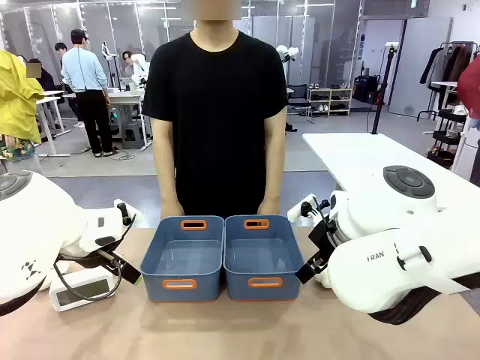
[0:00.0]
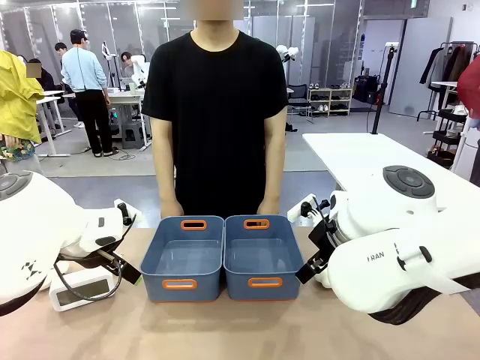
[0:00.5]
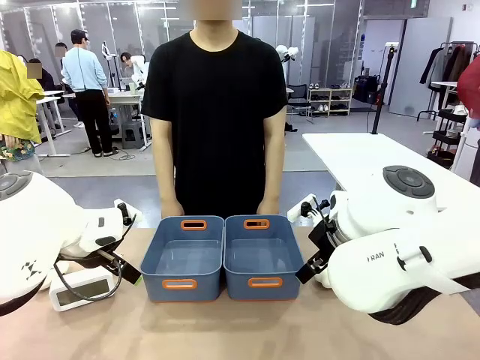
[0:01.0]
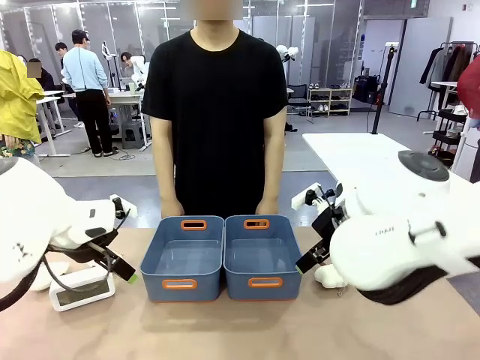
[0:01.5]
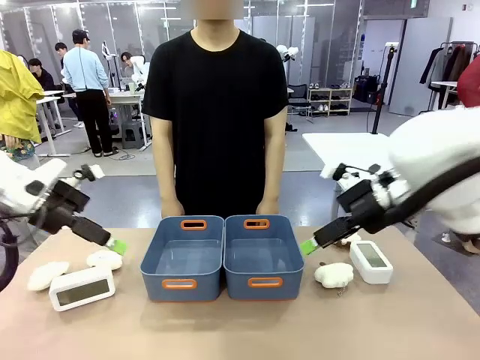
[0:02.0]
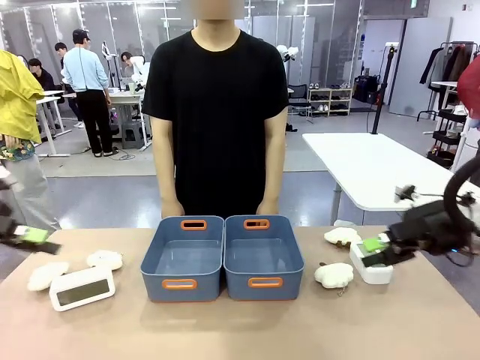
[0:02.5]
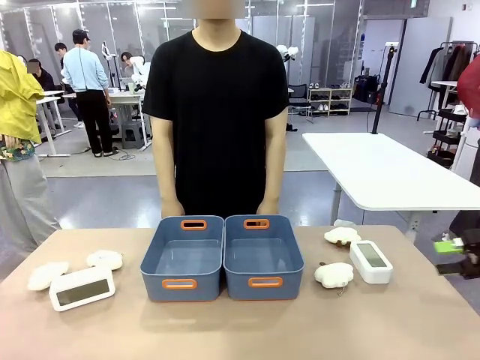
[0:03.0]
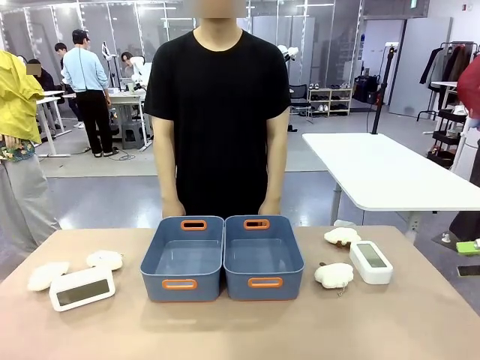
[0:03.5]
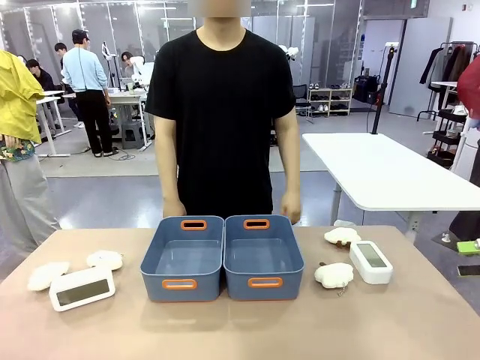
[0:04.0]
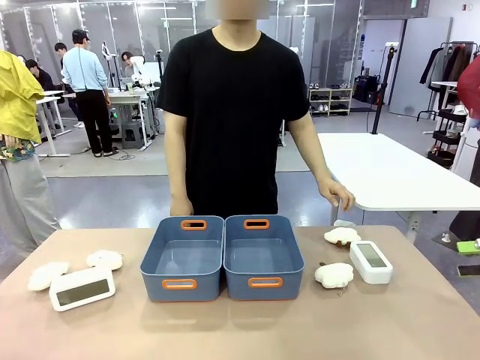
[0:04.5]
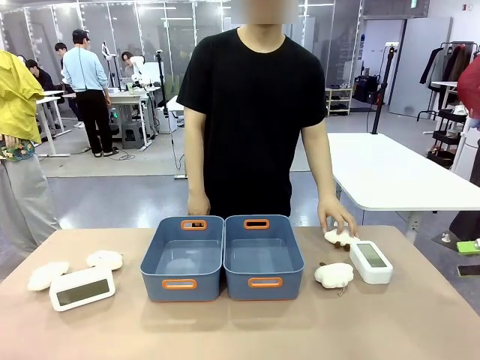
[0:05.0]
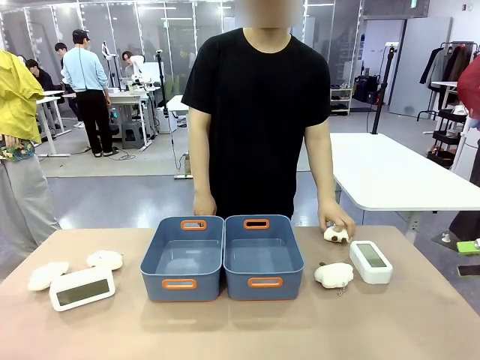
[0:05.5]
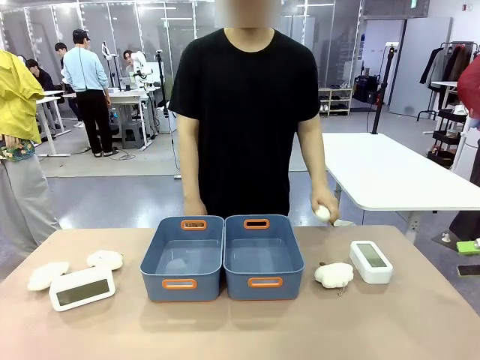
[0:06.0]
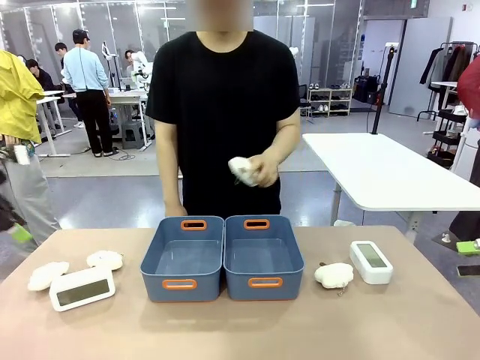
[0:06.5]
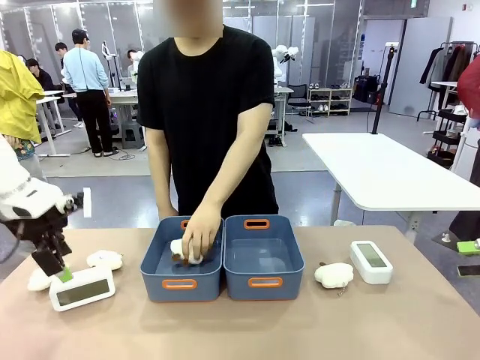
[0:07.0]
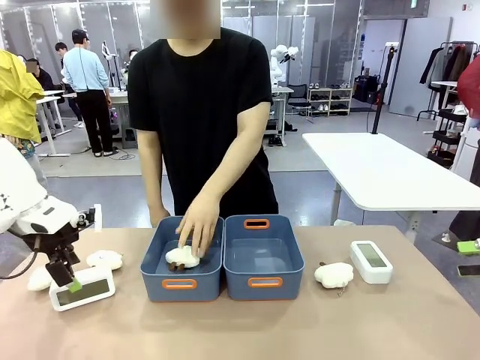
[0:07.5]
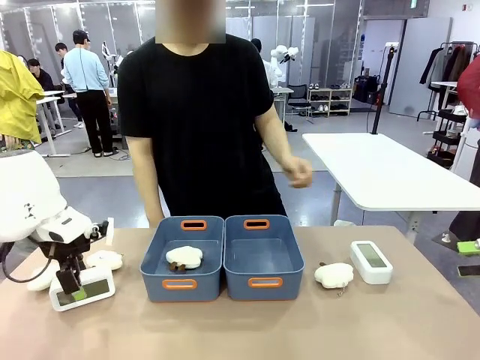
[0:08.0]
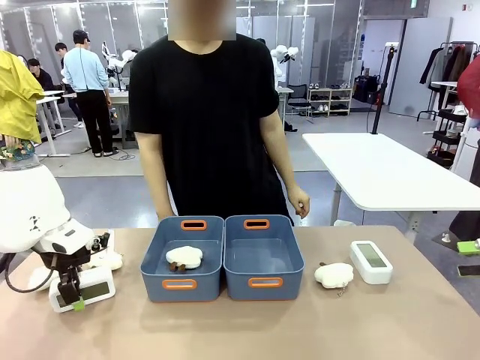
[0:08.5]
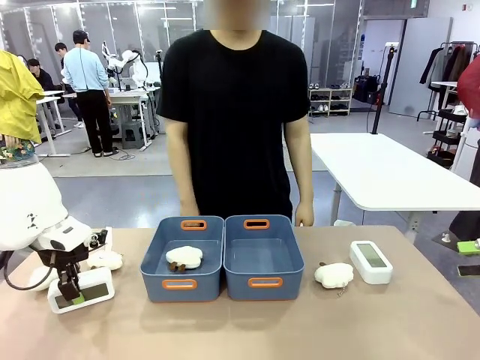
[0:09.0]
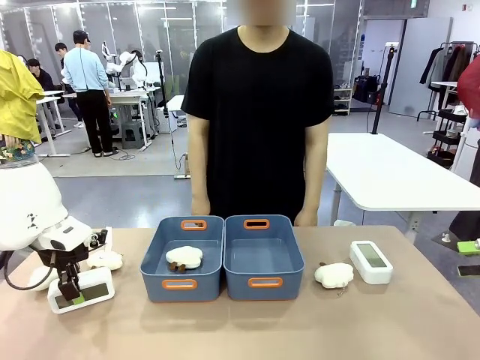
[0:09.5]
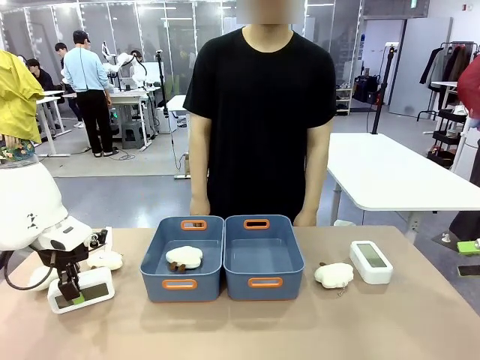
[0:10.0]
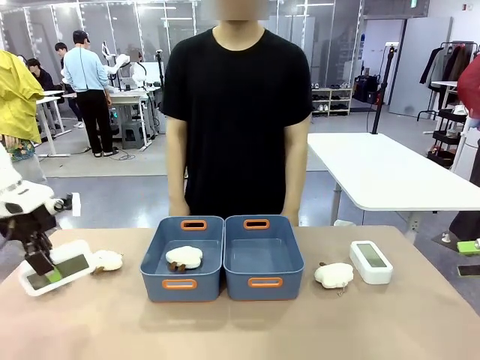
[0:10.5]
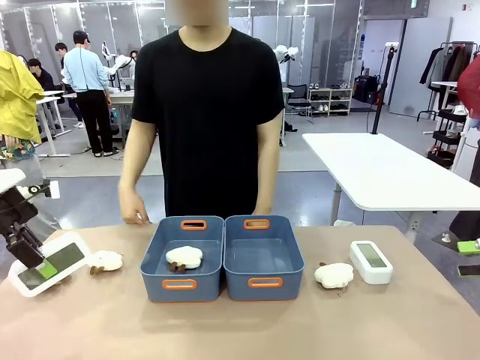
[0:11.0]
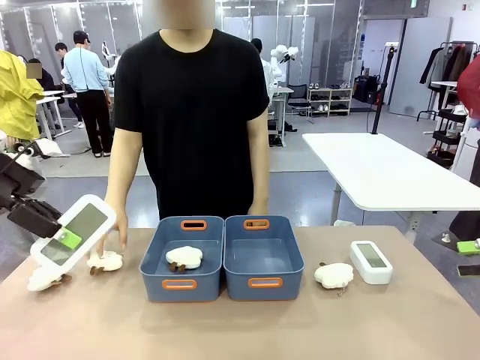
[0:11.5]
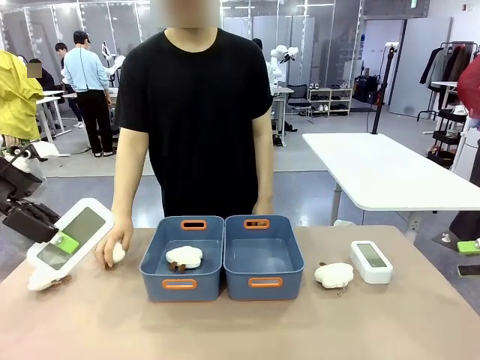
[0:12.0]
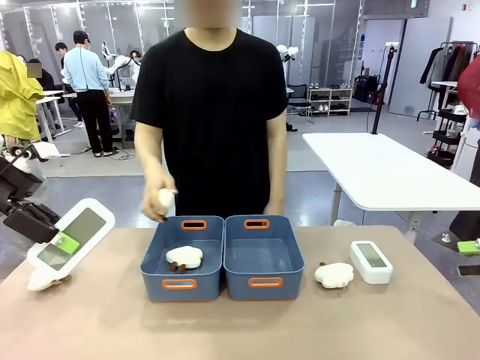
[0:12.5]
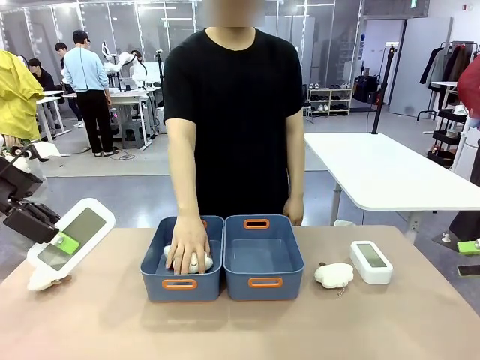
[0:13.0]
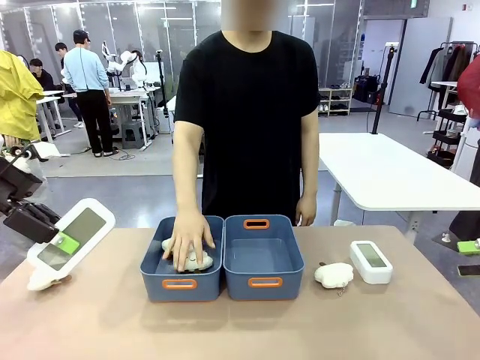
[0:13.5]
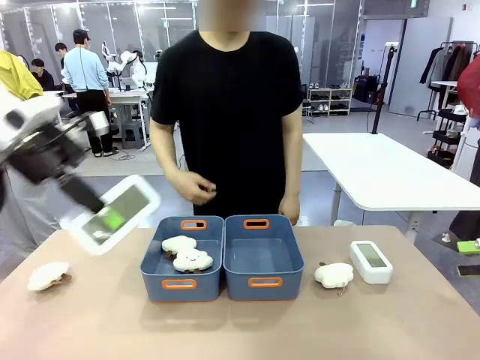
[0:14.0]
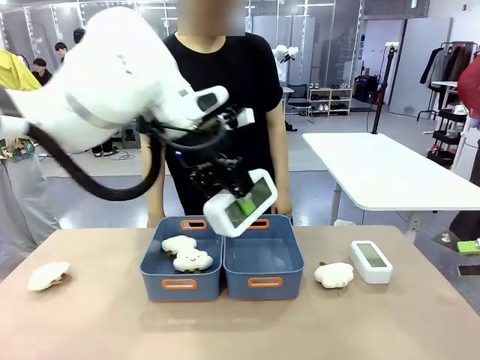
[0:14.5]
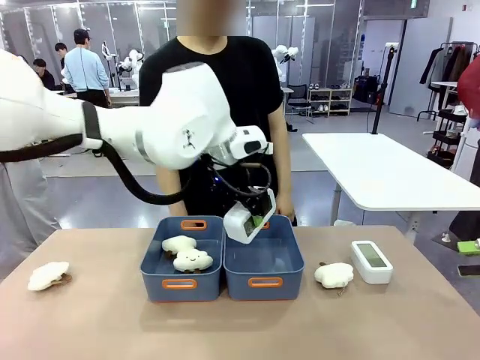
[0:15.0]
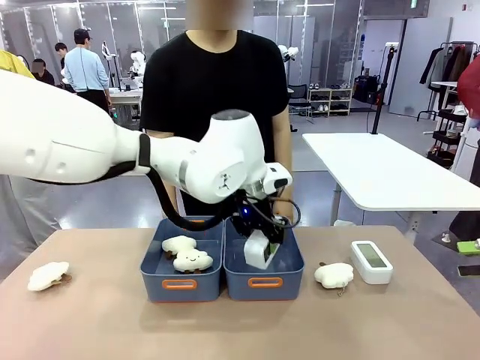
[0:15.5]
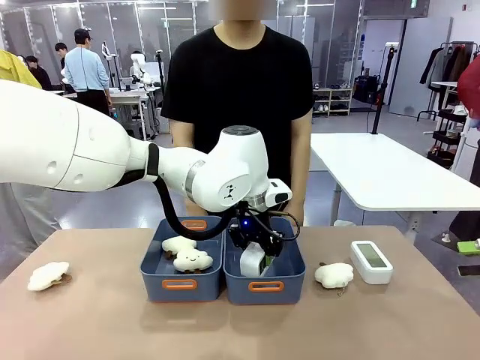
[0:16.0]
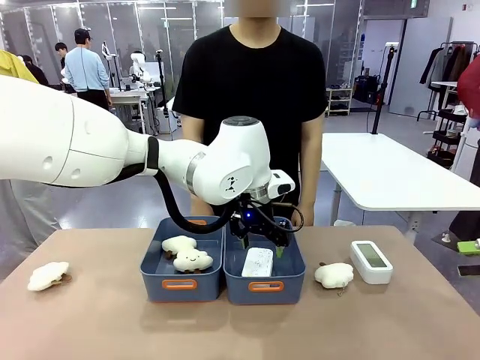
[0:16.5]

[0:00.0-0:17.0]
Task: Sort the digital clocks into the basket.
Robot: Pick up the Digital clock from the table and place it into the empty Plastic storage basket.
Person: Pick up a plush toy from the table and place it in a plastic storage basket.

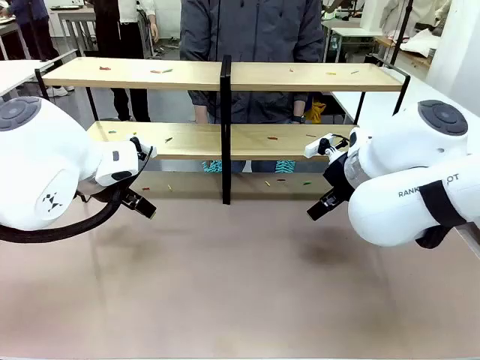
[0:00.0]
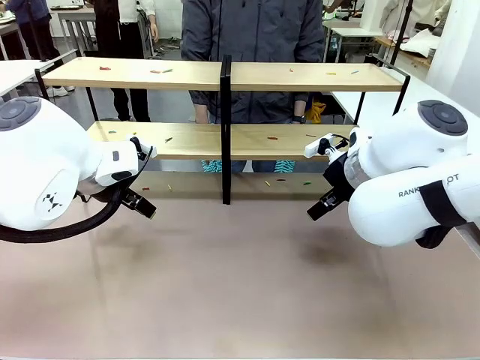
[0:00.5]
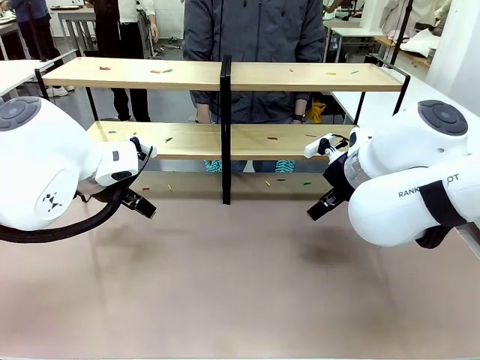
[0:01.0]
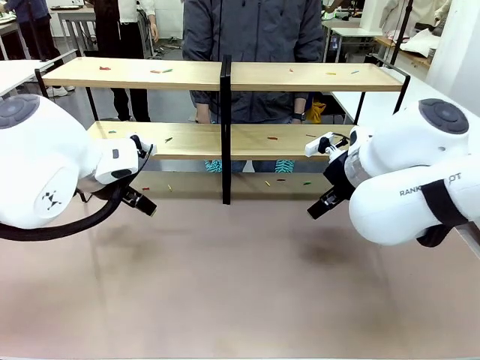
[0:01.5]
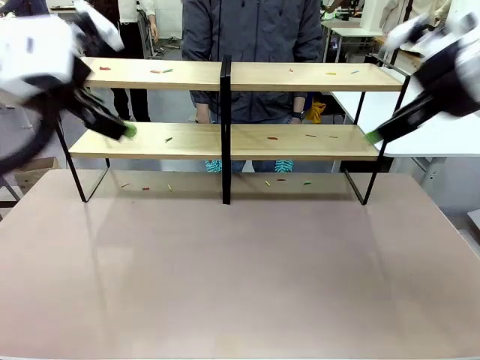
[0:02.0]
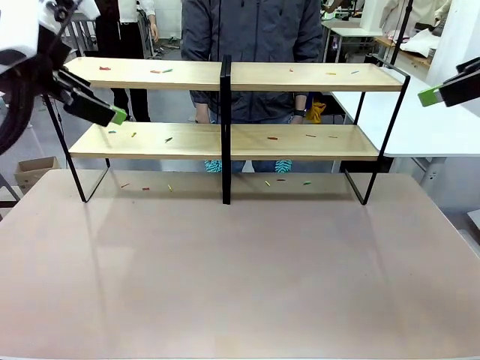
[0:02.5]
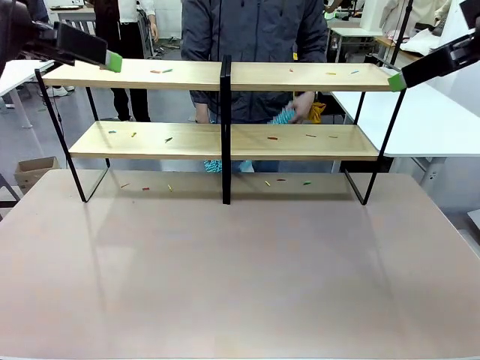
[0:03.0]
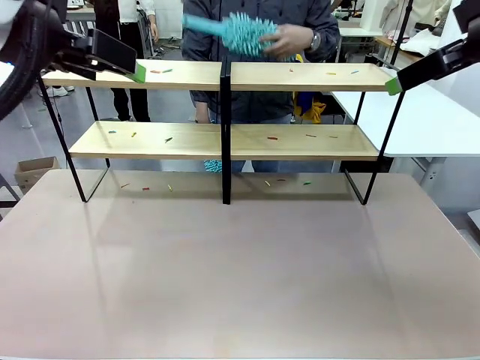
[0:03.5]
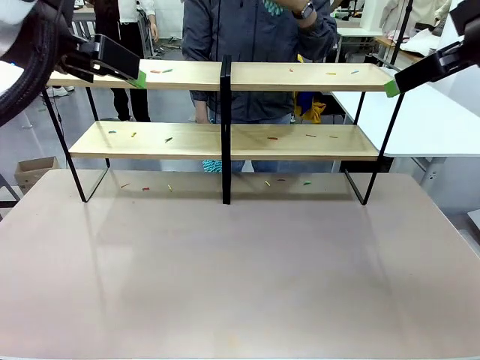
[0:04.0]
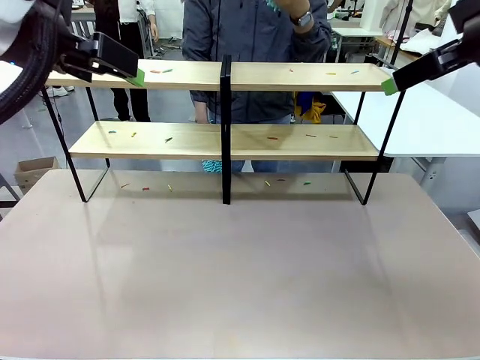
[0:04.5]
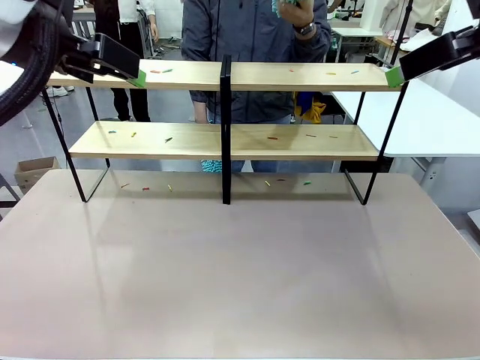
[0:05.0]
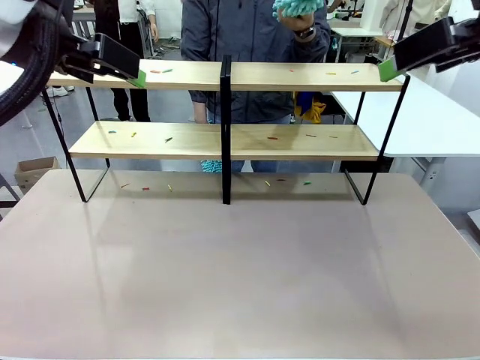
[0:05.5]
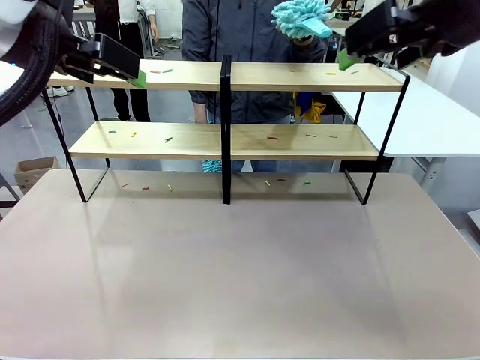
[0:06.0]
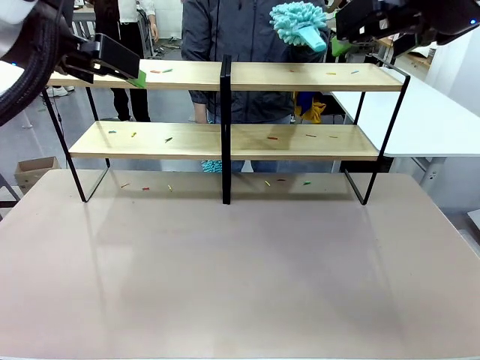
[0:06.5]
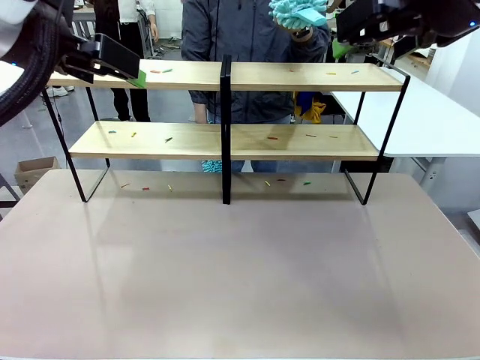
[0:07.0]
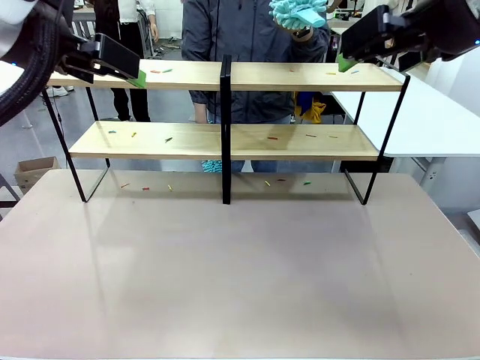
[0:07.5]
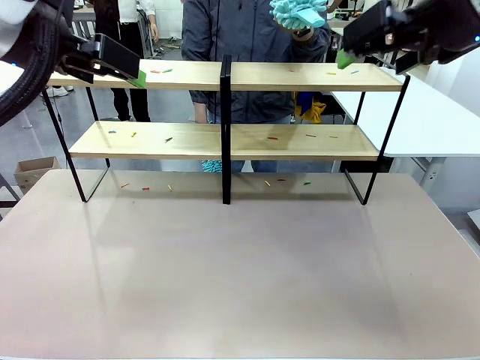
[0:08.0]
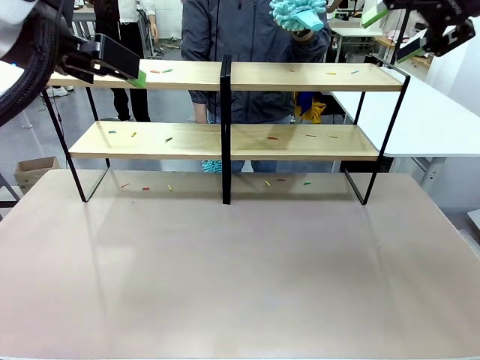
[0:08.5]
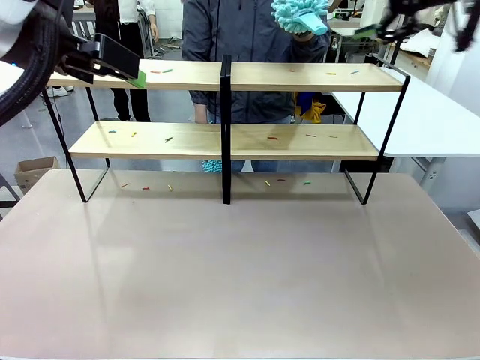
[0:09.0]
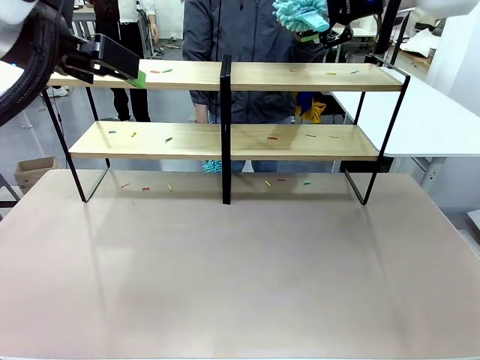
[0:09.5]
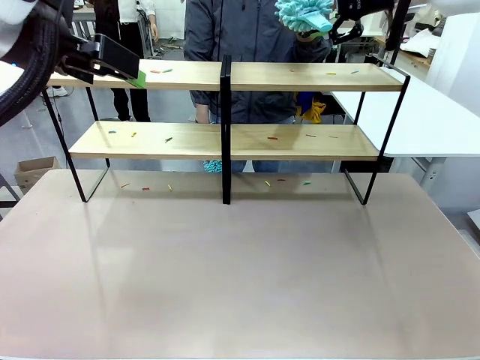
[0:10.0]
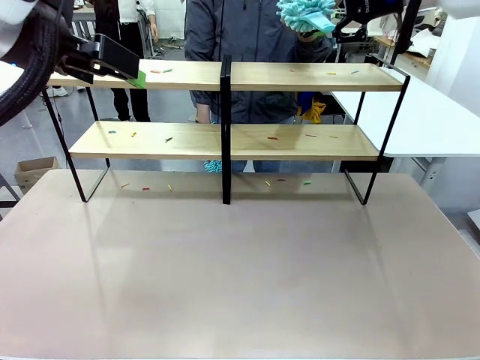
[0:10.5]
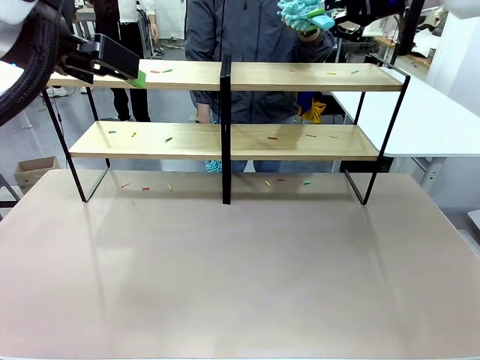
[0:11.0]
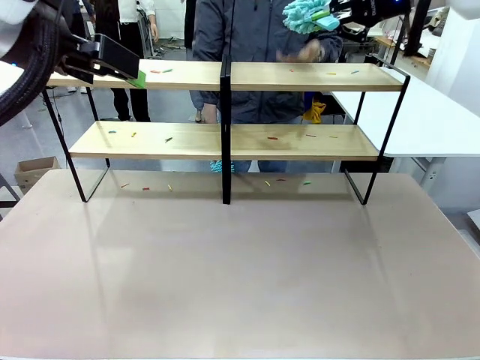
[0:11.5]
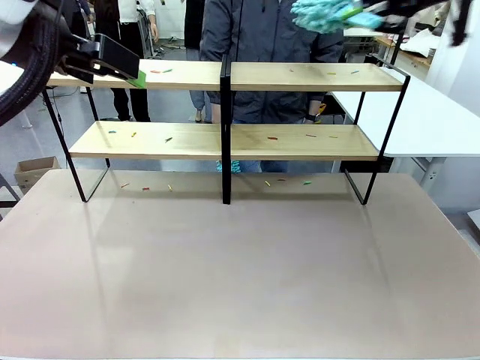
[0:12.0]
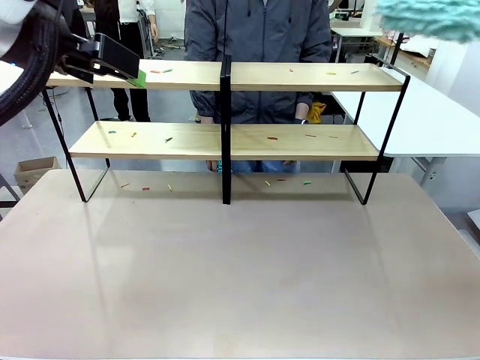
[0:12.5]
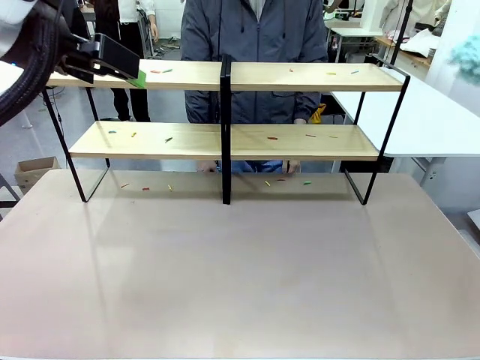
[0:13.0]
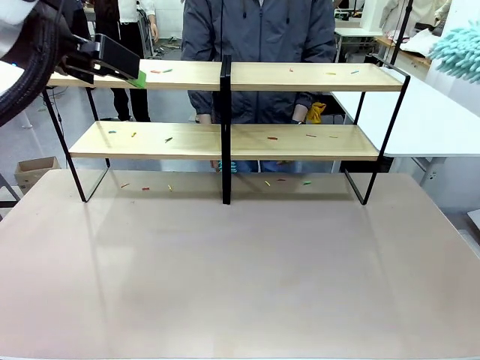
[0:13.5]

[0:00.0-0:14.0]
Task: Clean the shelves.
Robot: Pick up the Duster when the human hands it over.
Person: Hand the Duster to the robot with your right (or left) hand.
